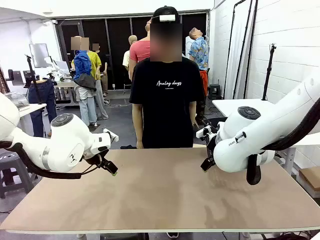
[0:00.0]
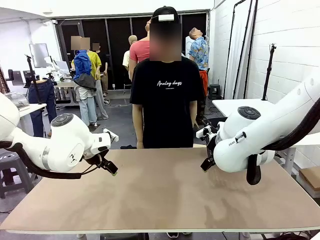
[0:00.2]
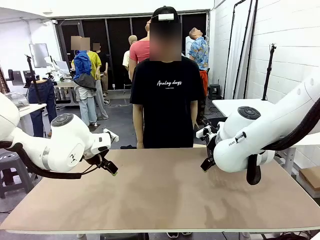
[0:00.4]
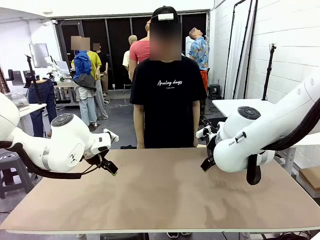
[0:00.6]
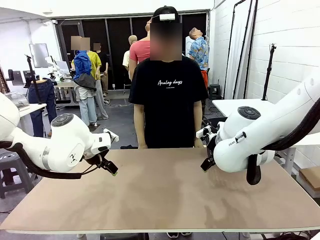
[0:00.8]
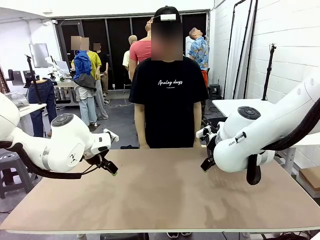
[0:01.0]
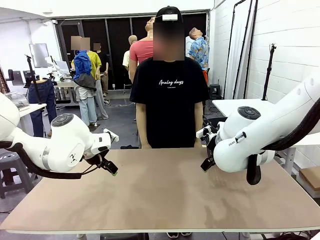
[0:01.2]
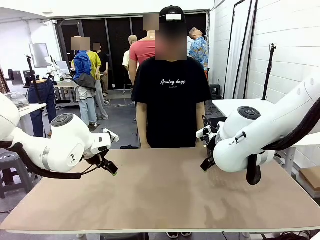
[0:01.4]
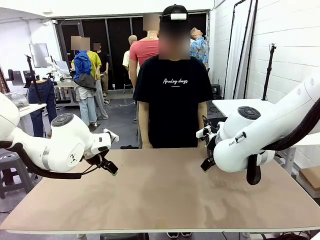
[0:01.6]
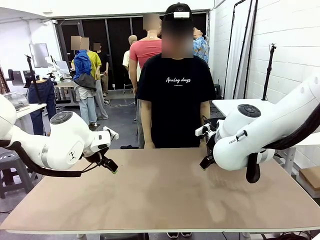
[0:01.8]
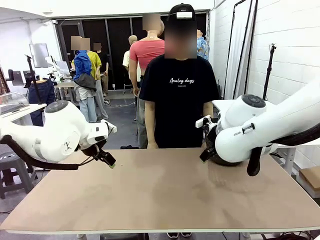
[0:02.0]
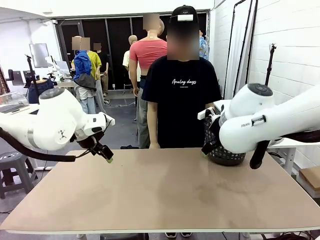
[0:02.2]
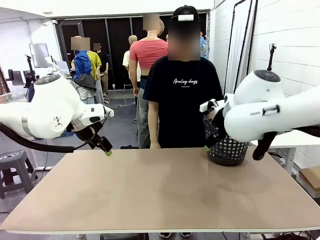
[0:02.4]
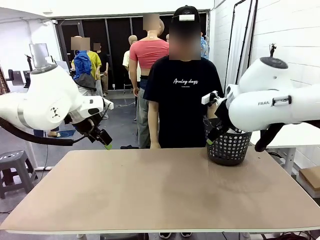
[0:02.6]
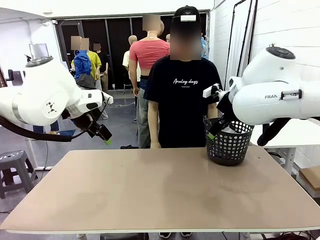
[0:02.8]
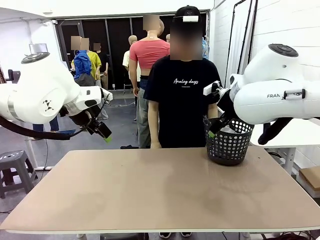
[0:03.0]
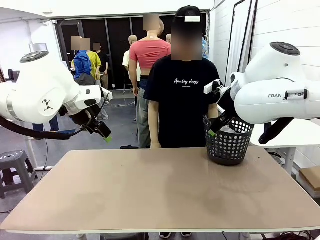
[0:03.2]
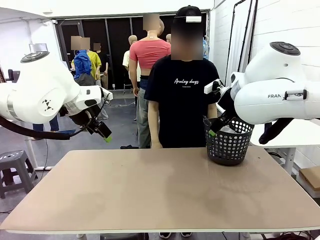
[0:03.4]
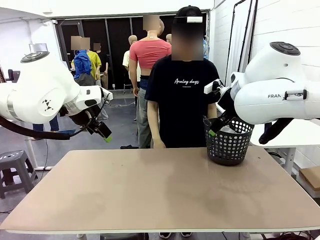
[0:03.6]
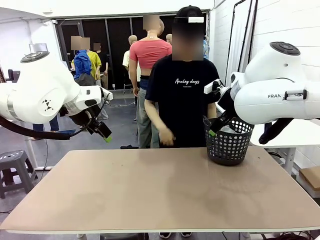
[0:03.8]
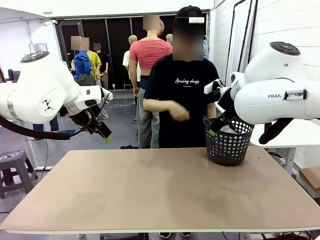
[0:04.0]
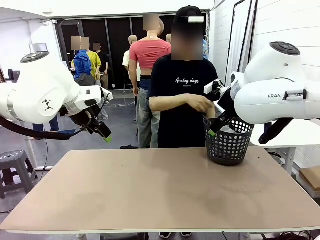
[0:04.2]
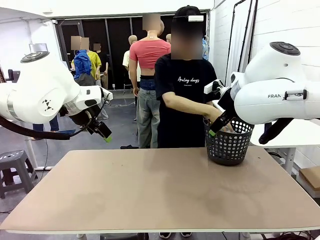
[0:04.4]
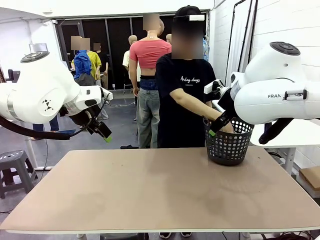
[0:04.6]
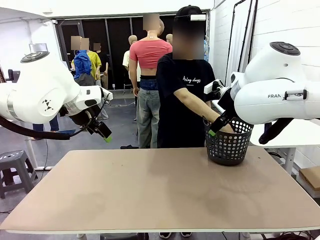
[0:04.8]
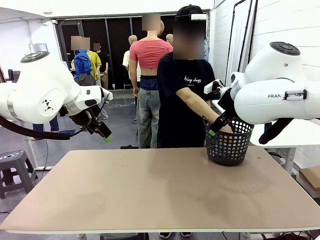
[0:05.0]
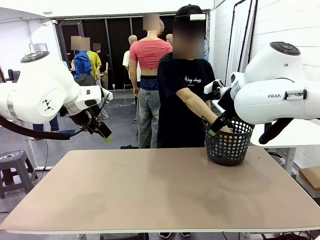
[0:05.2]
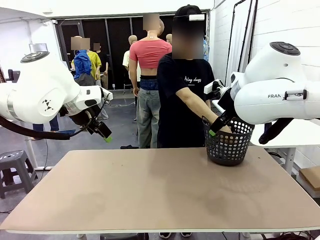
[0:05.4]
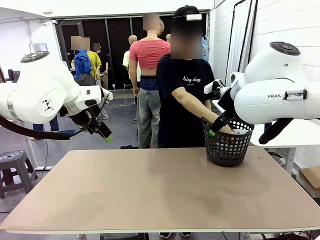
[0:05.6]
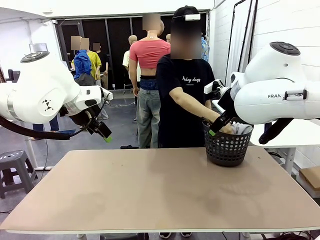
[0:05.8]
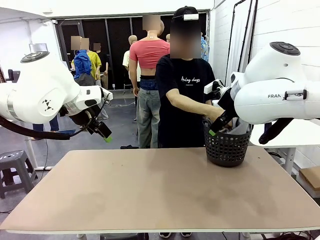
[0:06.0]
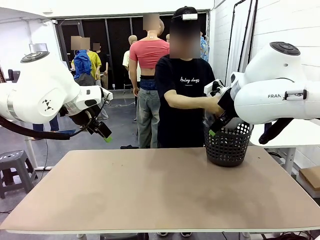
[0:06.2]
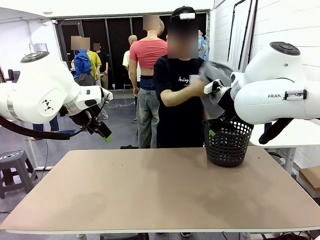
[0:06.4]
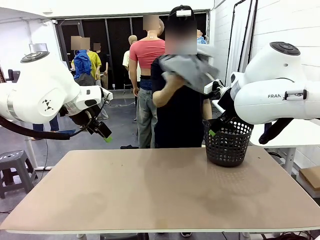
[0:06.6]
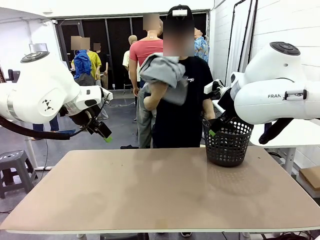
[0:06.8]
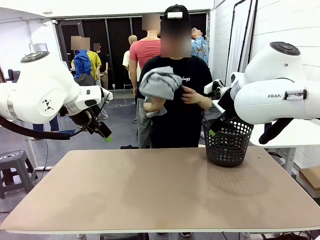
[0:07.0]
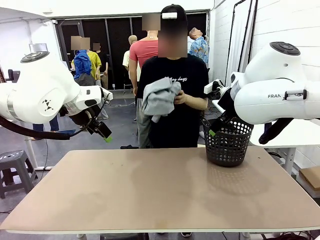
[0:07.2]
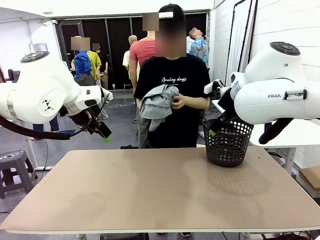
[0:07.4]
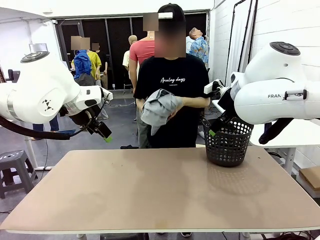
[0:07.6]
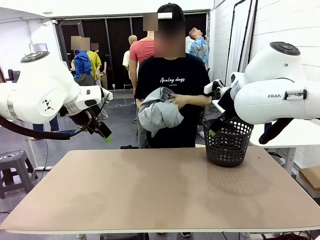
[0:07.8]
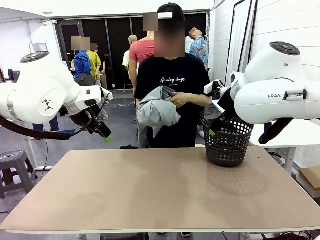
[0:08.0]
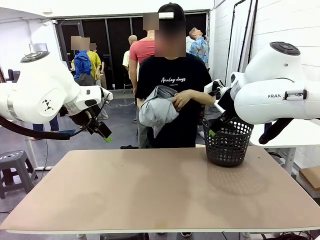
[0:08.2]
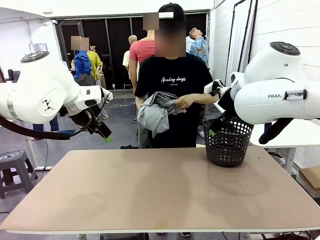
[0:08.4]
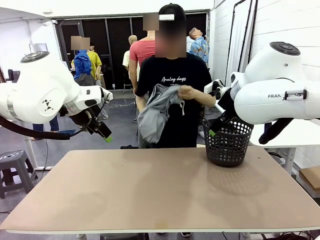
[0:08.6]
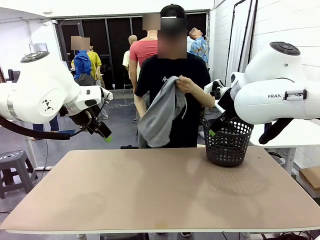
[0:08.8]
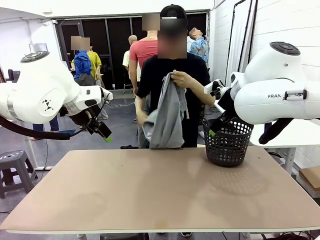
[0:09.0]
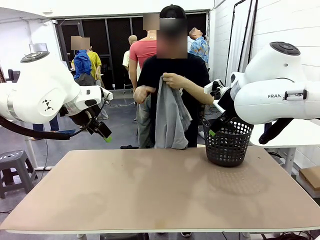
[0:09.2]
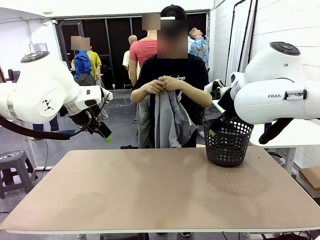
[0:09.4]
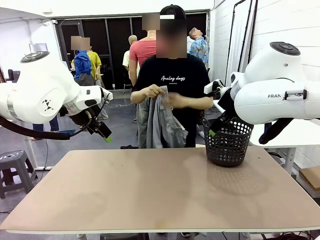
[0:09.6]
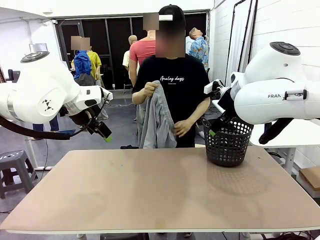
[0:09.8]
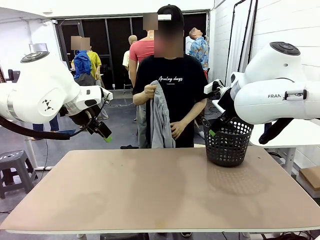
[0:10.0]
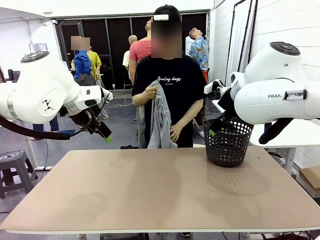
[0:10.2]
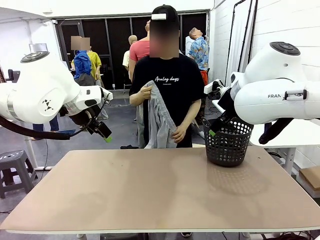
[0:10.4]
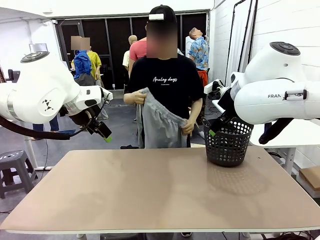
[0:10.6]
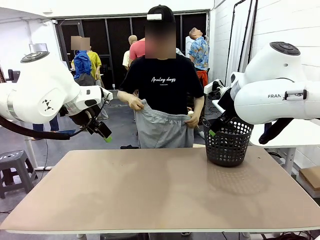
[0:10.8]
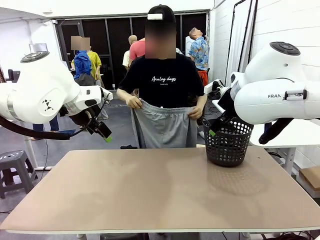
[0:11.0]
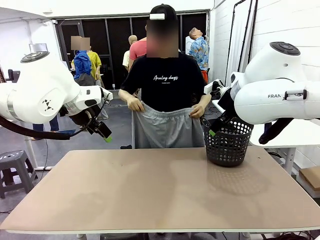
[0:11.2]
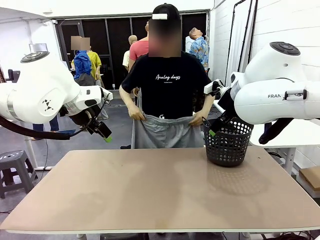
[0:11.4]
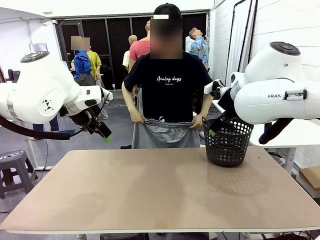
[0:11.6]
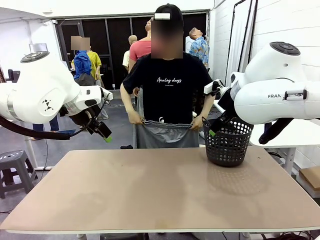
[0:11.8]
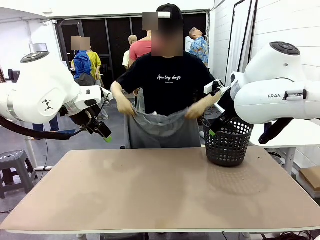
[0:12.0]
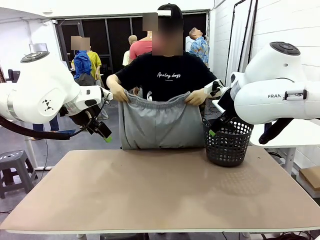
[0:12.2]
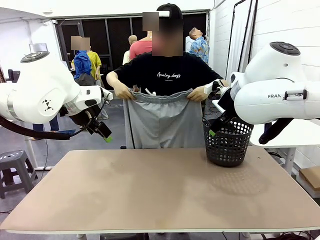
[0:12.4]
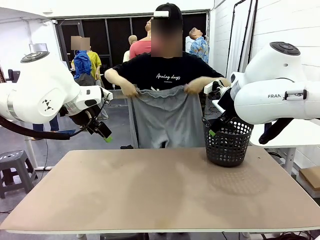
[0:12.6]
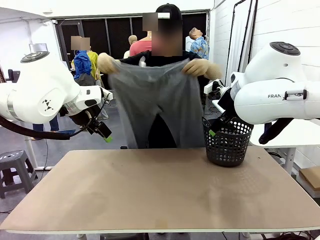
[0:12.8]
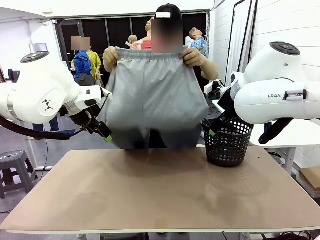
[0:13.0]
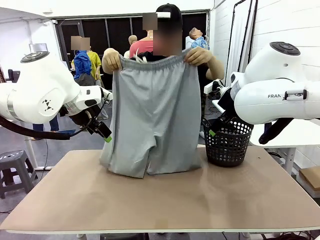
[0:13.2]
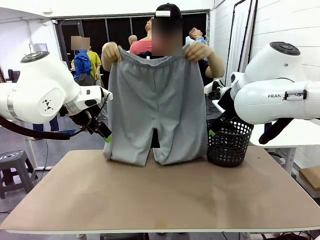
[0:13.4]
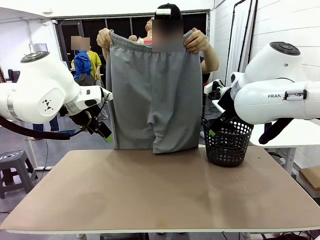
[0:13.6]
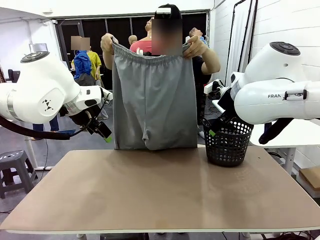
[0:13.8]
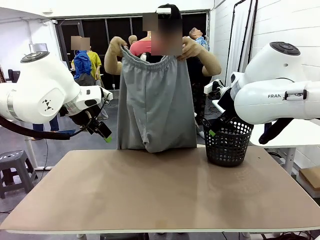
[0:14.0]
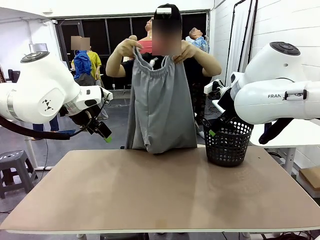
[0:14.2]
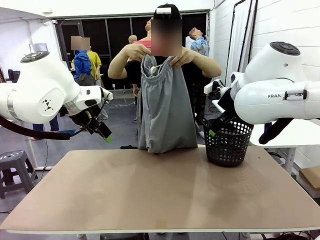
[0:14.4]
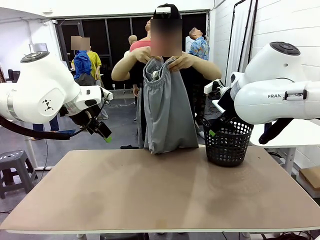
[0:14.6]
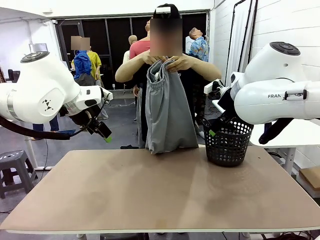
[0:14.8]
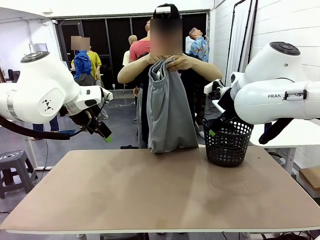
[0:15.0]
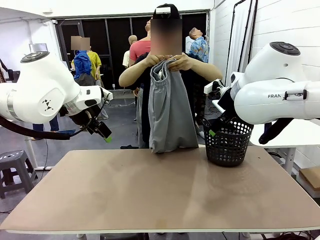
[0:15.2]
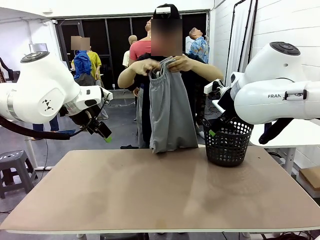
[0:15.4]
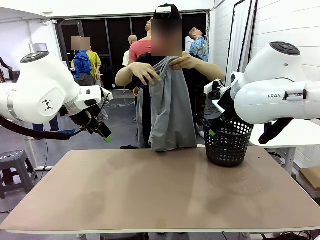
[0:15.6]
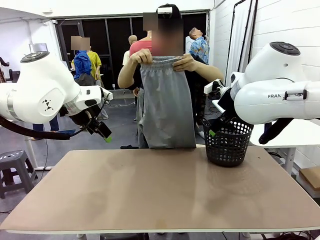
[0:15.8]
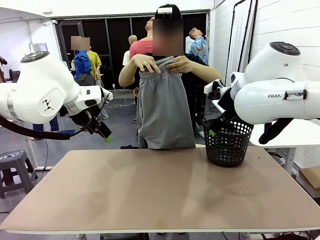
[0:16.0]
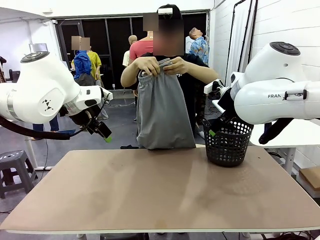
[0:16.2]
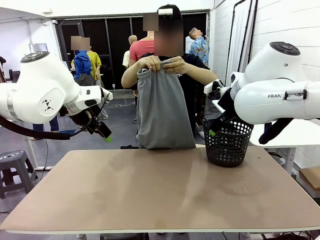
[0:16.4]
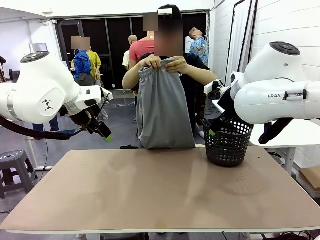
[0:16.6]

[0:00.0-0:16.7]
Task: Fold the training pants.
Robot: Grab both ends of the Training pants handed by a person.
Person: Take the long pants out of the laundry basket, unfold them, fold the waist in half, and extend them so the robot can pick up both corners.
